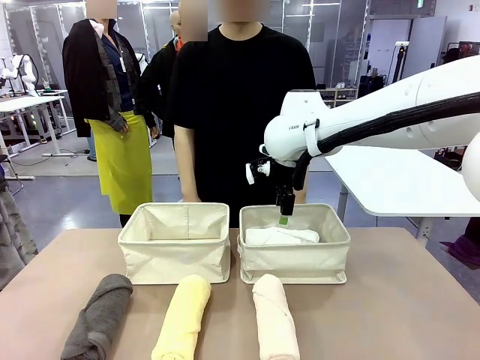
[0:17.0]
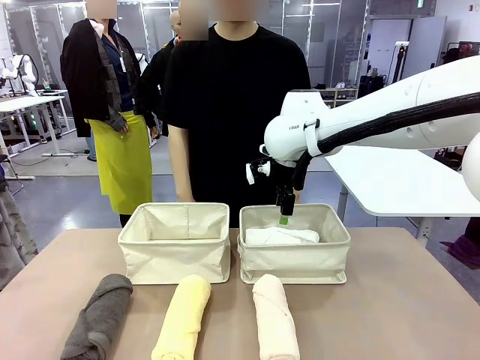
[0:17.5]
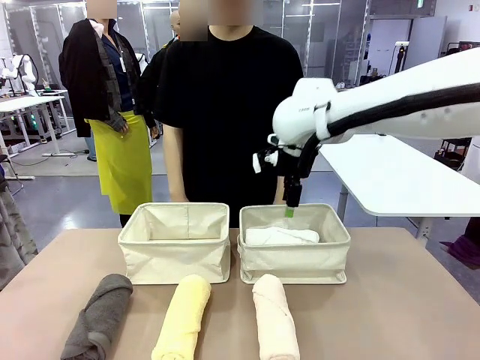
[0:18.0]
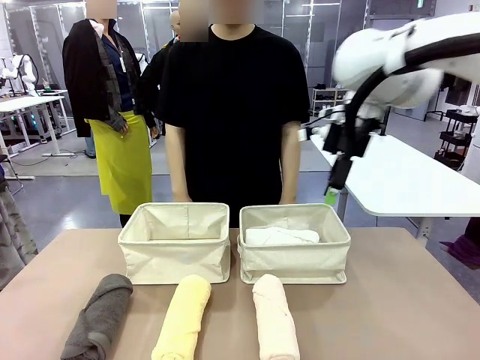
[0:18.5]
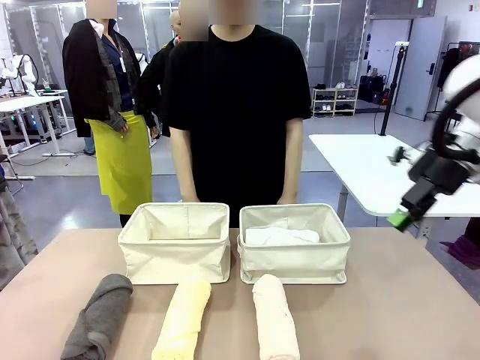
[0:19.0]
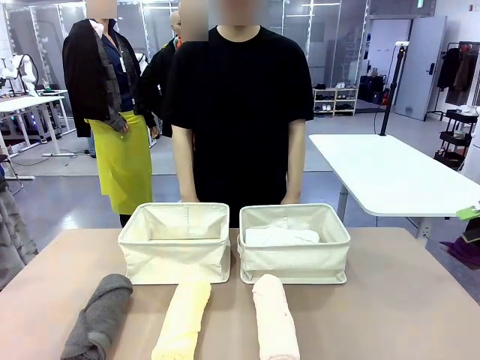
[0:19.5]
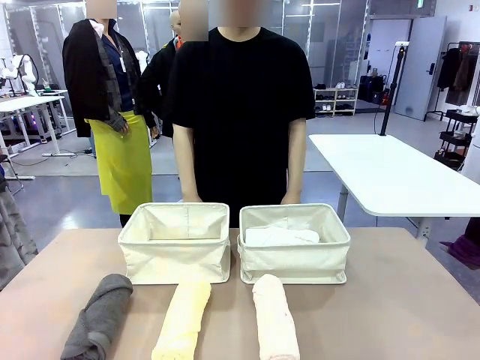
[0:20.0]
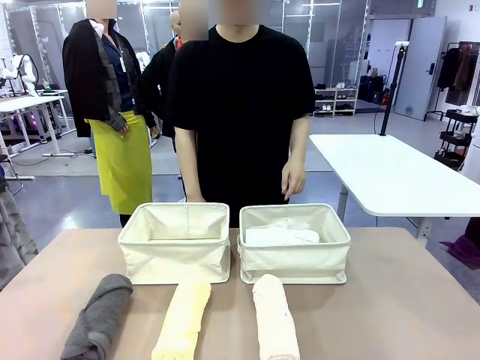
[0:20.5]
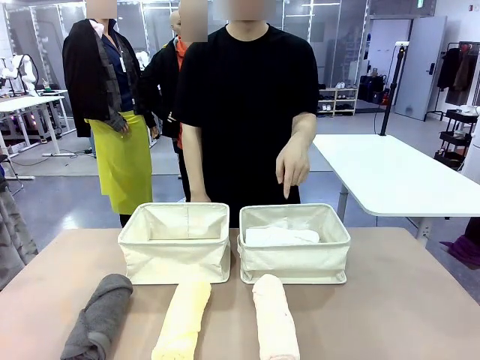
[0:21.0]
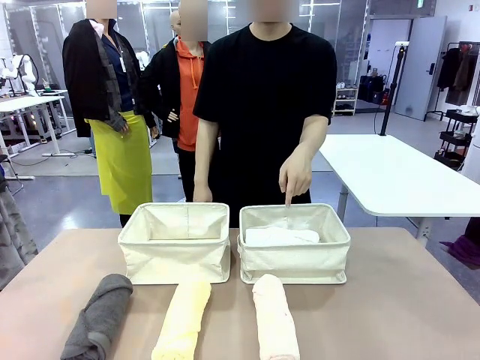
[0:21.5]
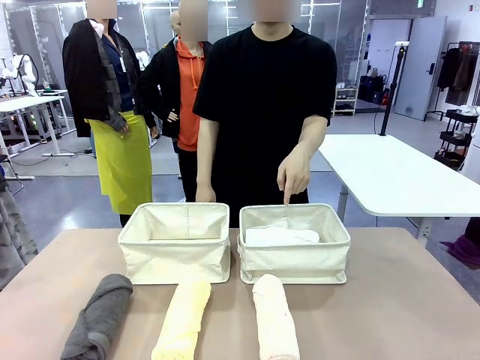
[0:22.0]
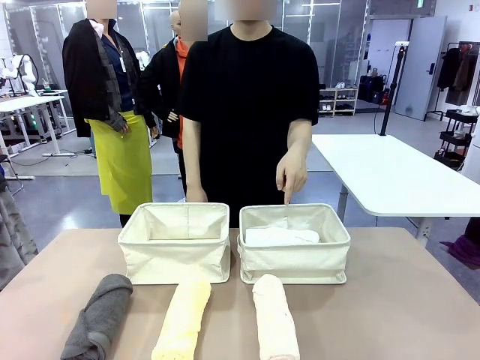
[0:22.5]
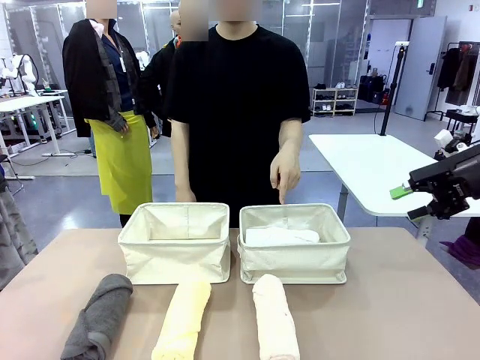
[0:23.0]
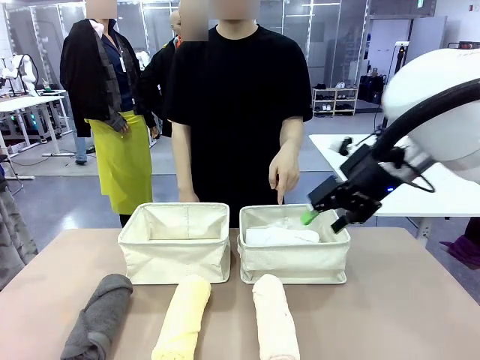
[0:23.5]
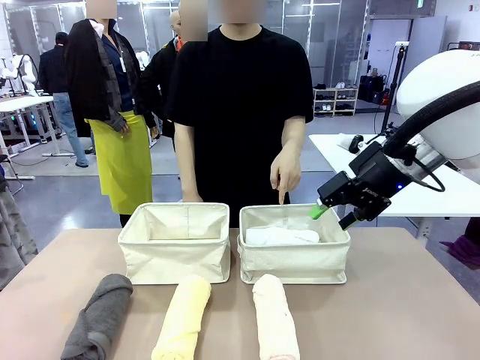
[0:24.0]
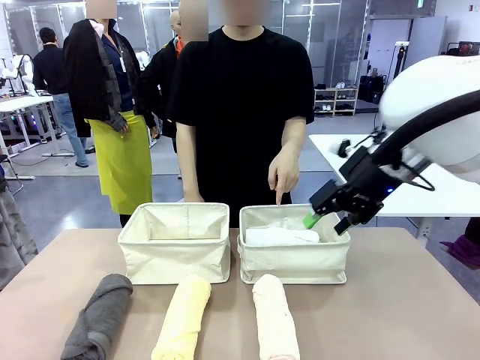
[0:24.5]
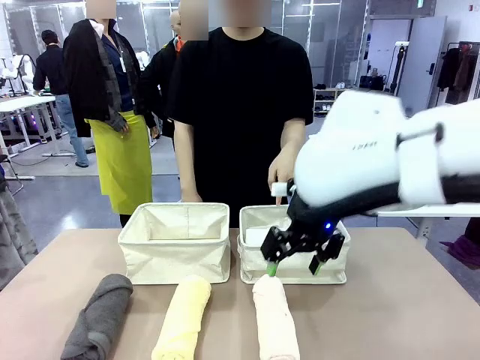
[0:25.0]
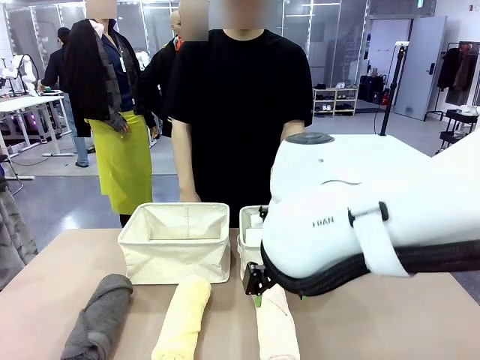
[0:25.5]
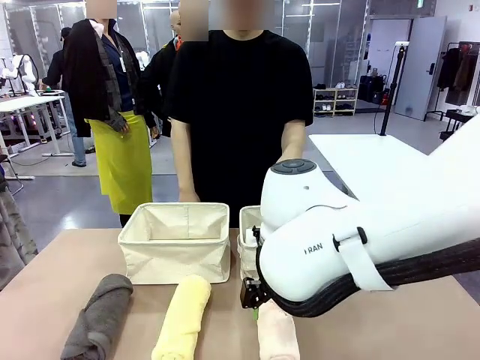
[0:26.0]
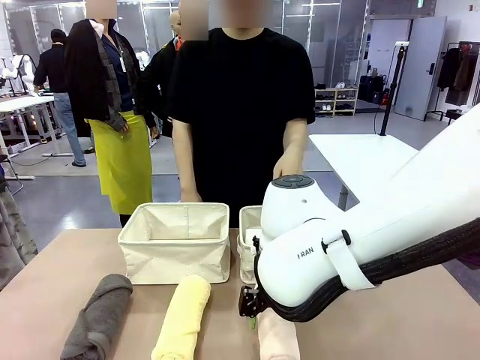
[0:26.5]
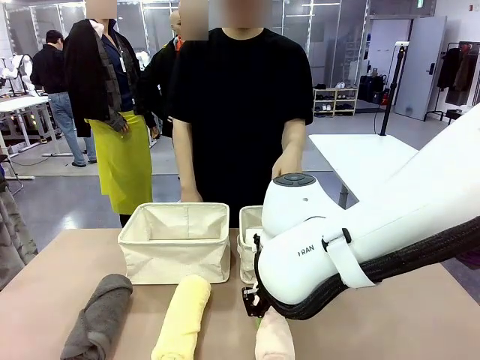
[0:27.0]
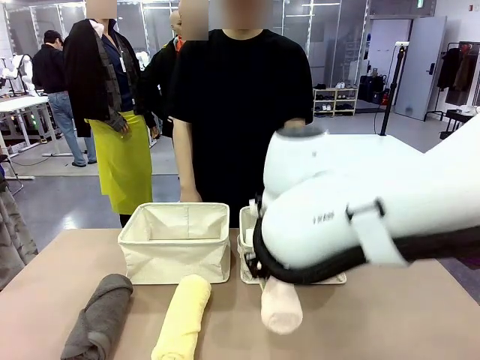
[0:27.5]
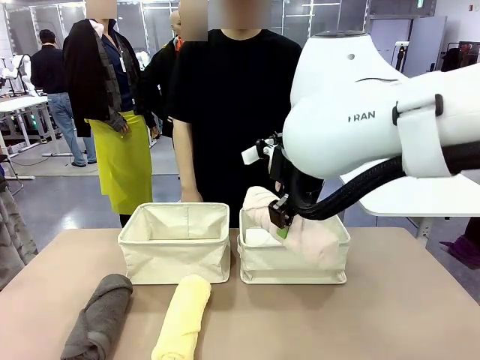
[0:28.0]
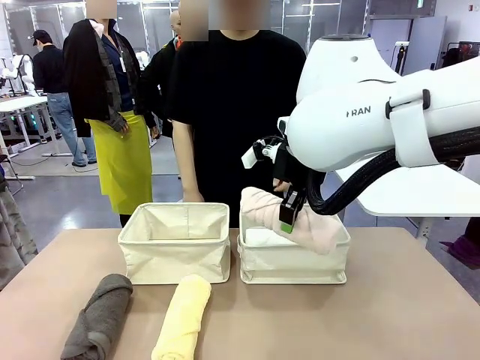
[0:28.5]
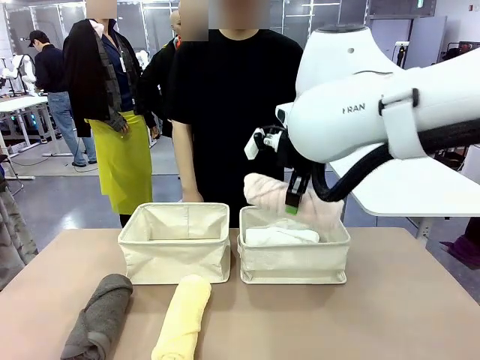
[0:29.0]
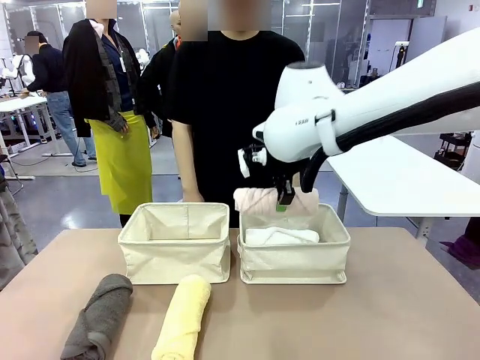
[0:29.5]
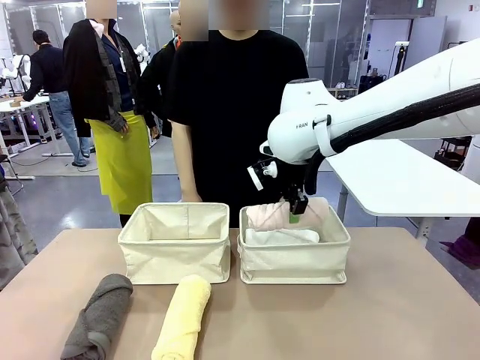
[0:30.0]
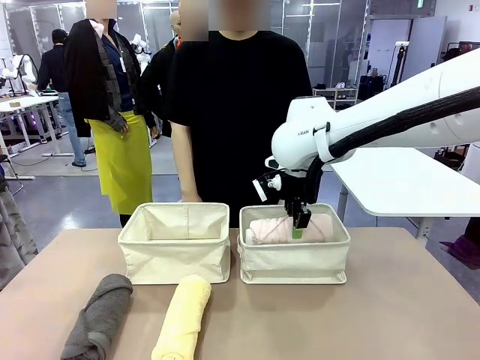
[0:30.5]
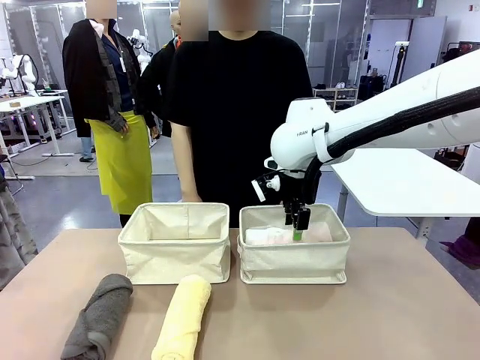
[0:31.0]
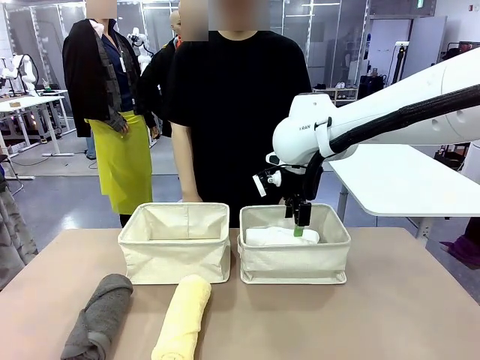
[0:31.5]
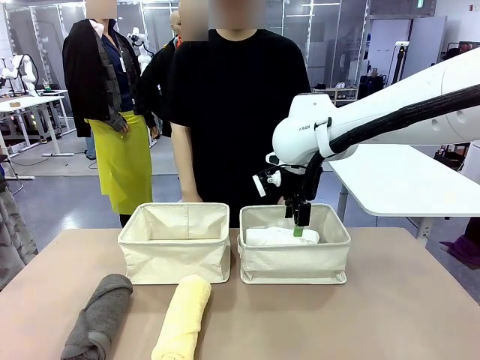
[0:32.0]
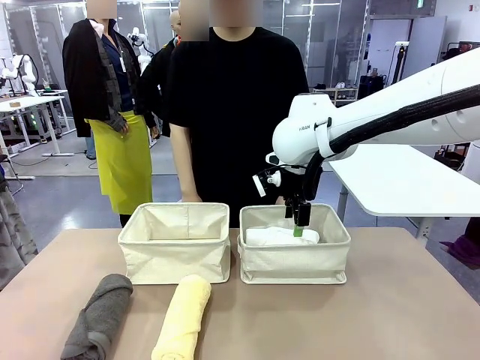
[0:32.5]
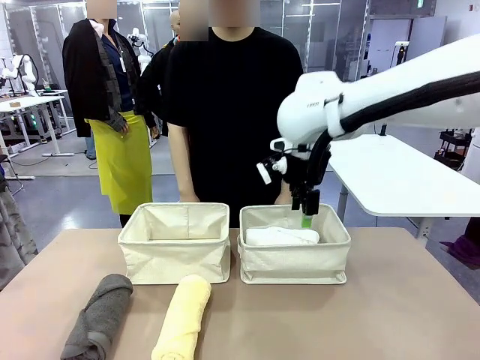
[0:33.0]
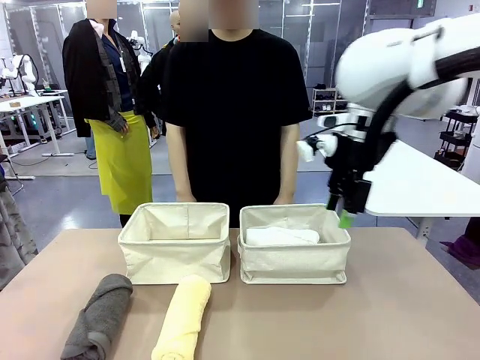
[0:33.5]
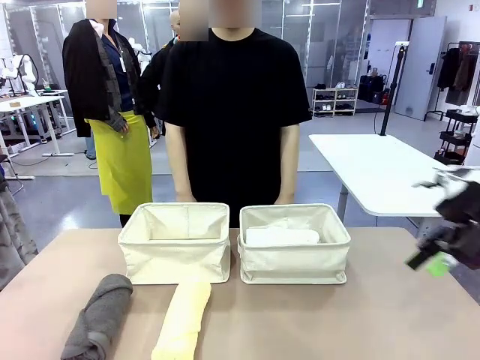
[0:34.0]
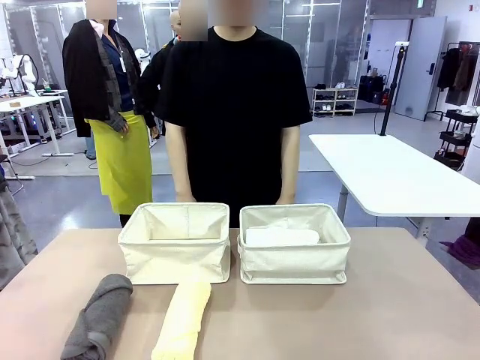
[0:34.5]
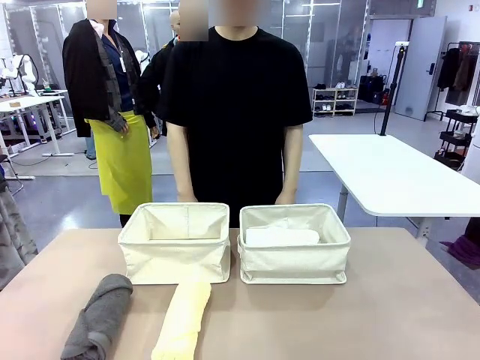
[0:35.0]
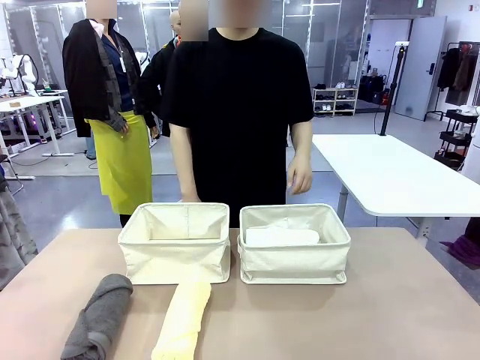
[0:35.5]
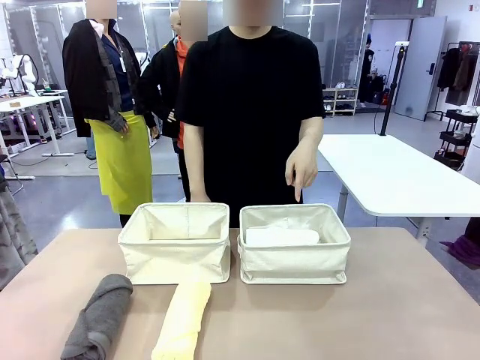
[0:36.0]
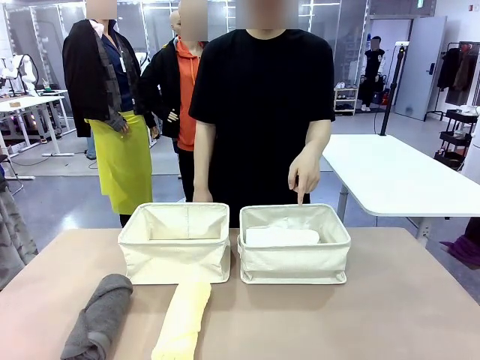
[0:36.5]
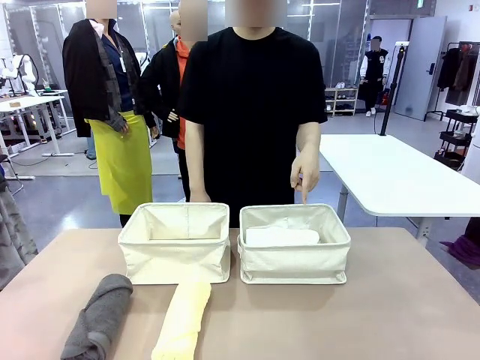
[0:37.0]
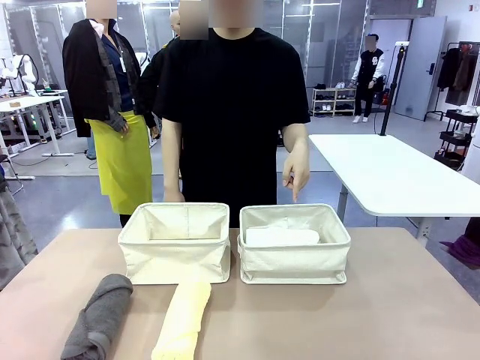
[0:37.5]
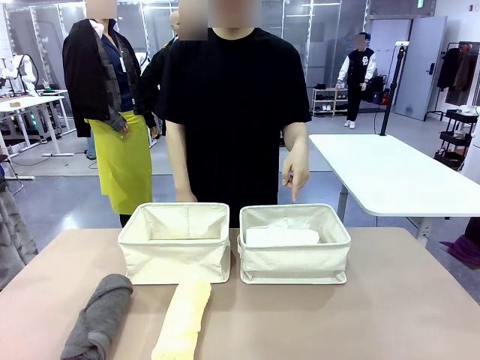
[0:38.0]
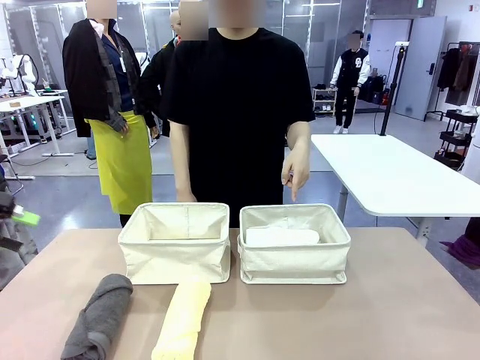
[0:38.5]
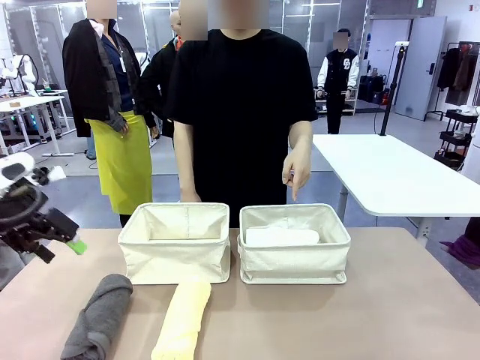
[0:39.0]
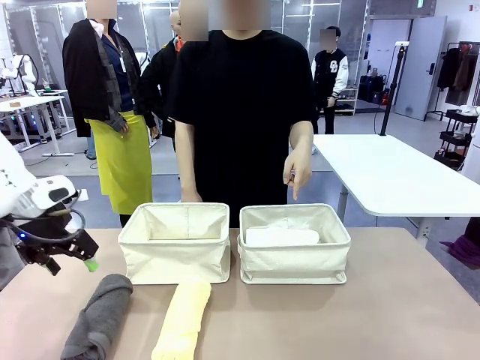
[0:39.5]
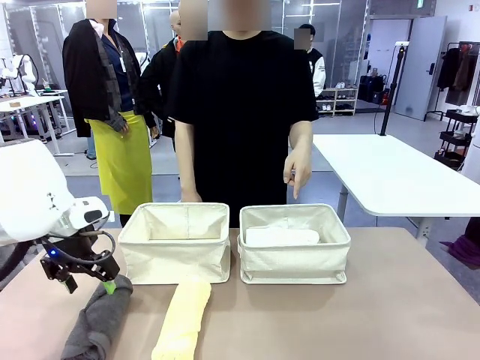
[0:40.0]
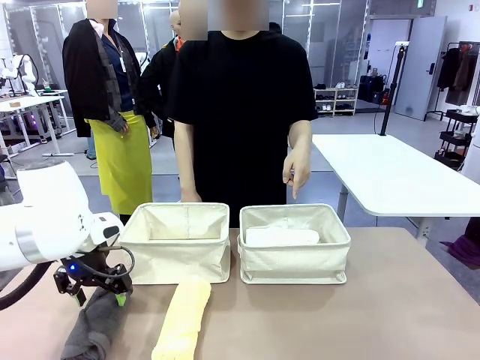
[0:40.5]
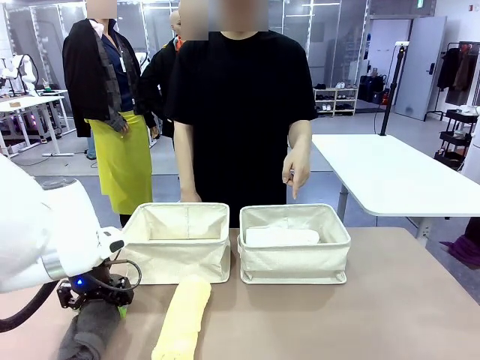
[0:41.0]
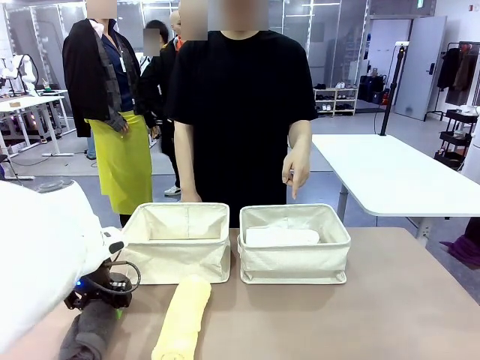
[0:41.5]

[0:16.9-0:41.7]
Task: Divide the towels into two baskets.
Robot: Pick up one hotel-folded towel from the bottom of the table and place it in the Fabric basket indicated by the person.
